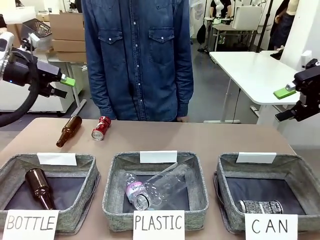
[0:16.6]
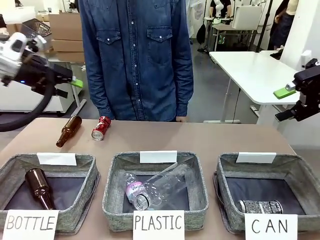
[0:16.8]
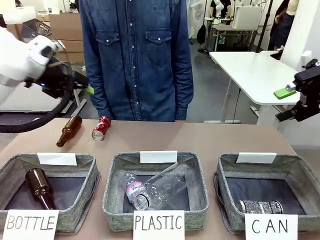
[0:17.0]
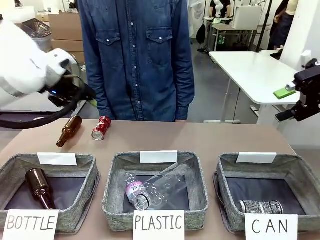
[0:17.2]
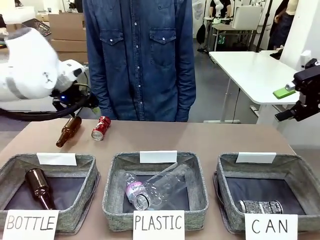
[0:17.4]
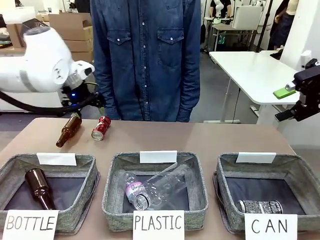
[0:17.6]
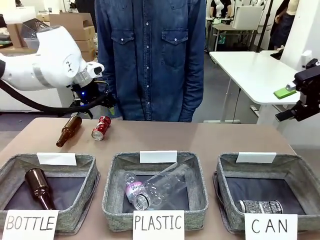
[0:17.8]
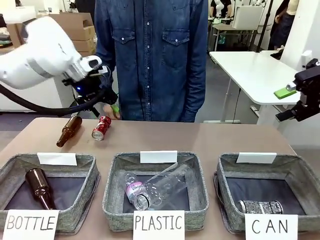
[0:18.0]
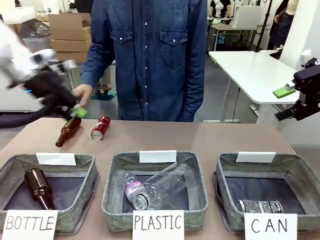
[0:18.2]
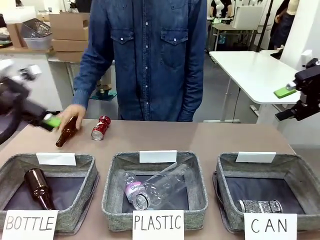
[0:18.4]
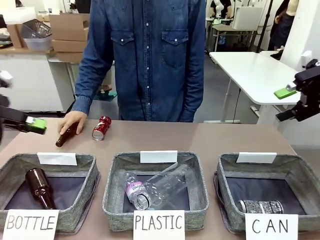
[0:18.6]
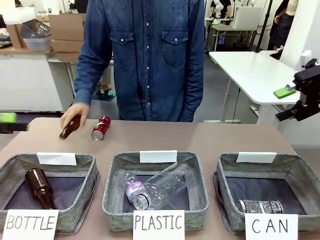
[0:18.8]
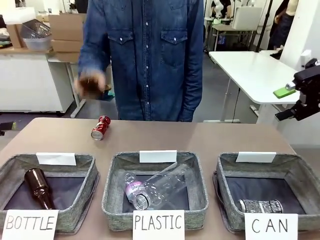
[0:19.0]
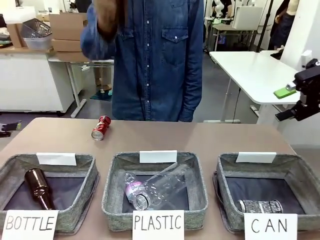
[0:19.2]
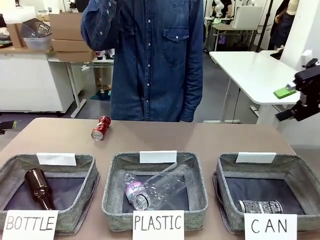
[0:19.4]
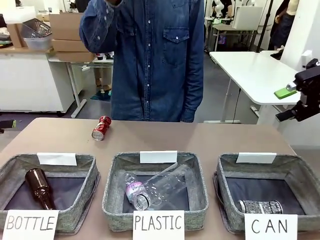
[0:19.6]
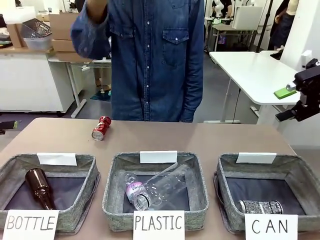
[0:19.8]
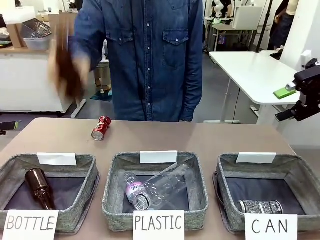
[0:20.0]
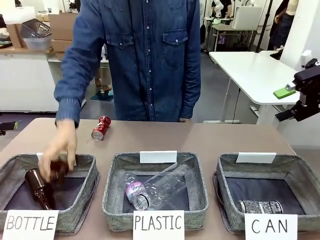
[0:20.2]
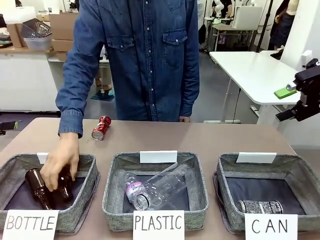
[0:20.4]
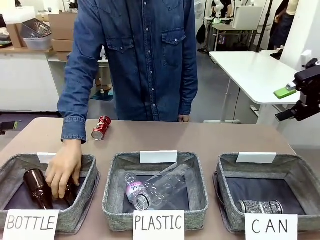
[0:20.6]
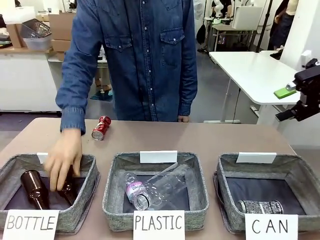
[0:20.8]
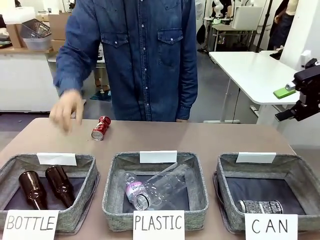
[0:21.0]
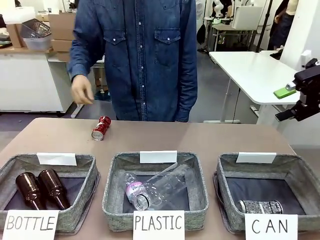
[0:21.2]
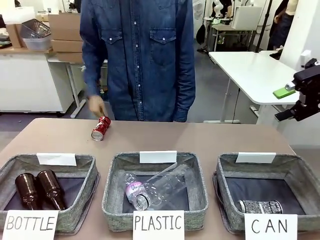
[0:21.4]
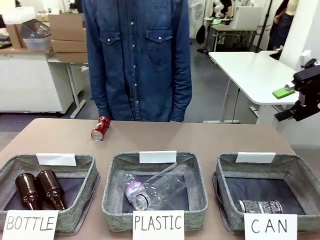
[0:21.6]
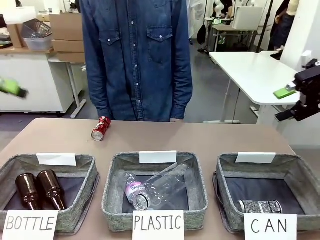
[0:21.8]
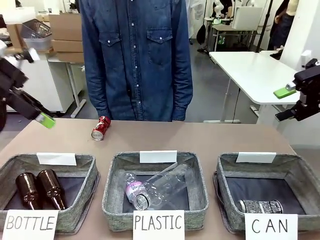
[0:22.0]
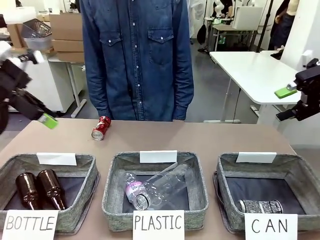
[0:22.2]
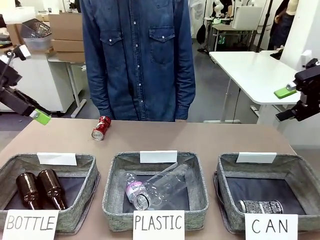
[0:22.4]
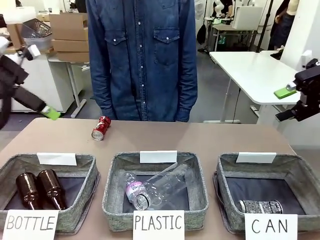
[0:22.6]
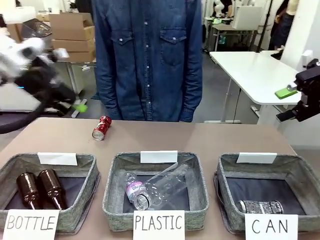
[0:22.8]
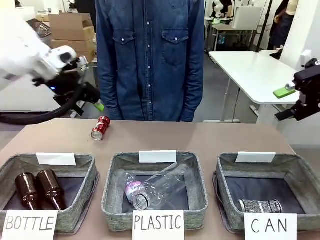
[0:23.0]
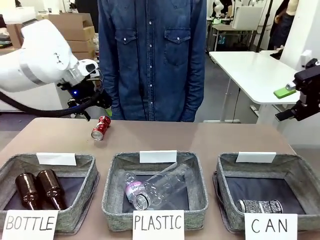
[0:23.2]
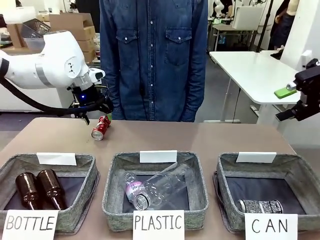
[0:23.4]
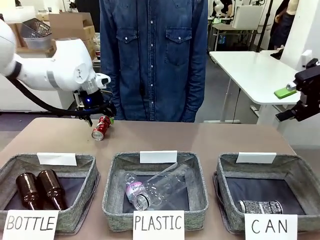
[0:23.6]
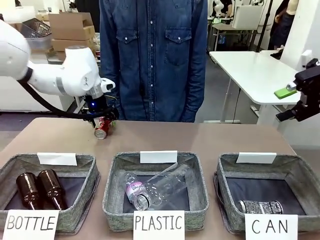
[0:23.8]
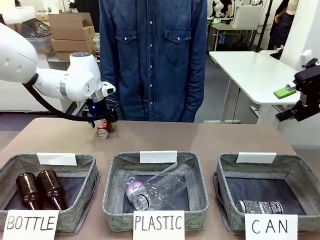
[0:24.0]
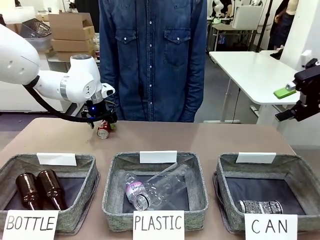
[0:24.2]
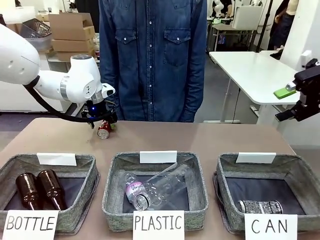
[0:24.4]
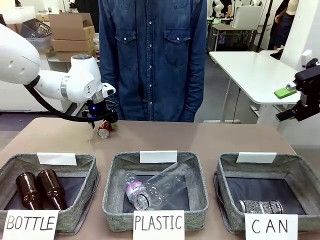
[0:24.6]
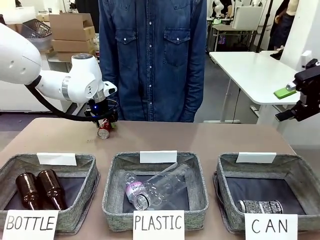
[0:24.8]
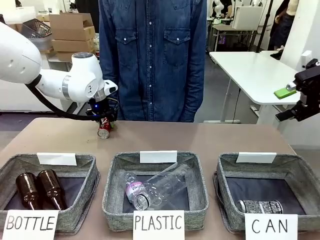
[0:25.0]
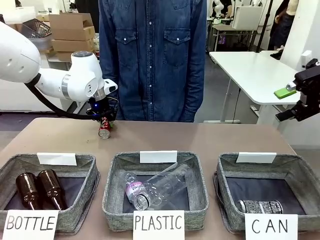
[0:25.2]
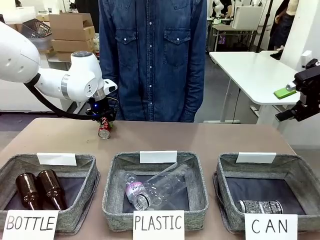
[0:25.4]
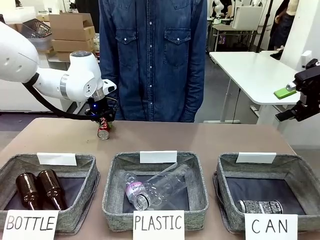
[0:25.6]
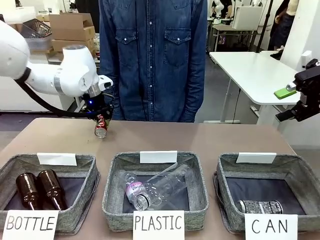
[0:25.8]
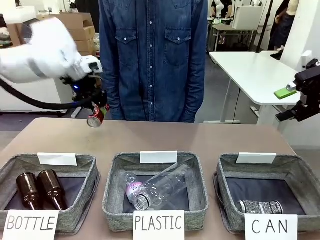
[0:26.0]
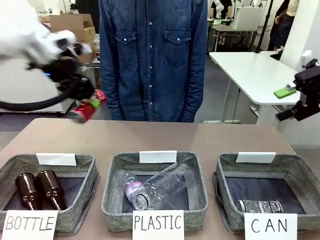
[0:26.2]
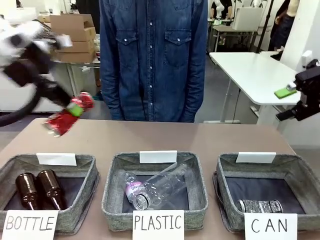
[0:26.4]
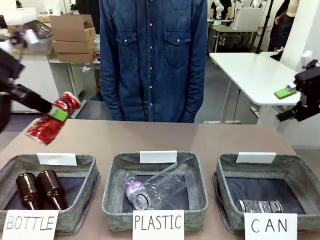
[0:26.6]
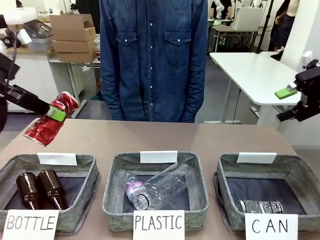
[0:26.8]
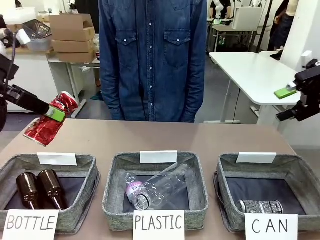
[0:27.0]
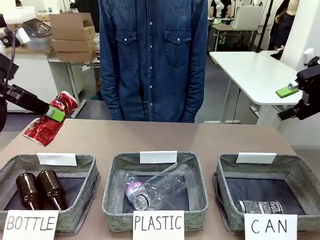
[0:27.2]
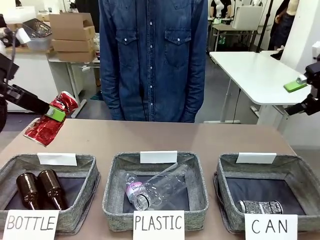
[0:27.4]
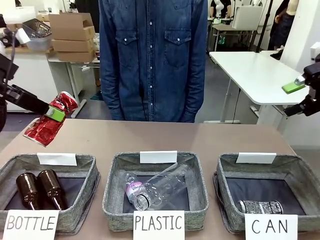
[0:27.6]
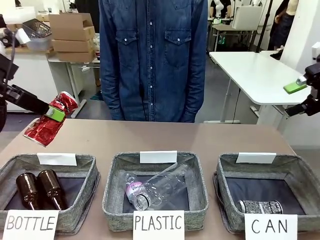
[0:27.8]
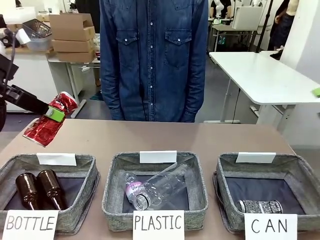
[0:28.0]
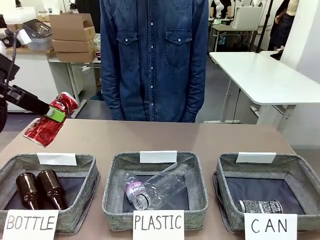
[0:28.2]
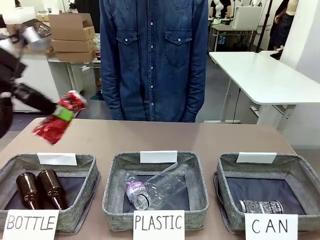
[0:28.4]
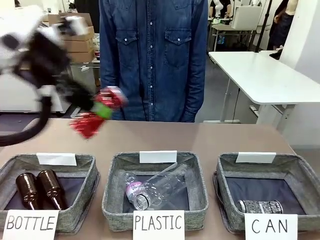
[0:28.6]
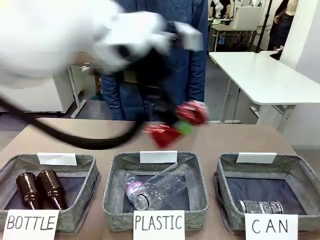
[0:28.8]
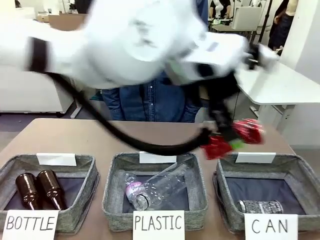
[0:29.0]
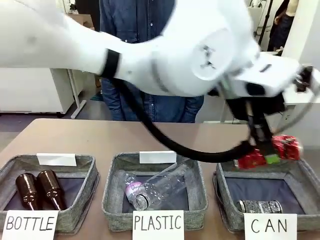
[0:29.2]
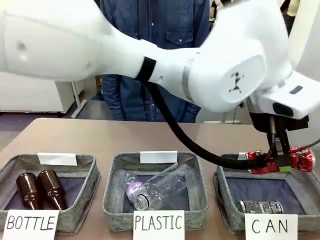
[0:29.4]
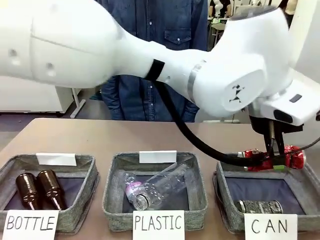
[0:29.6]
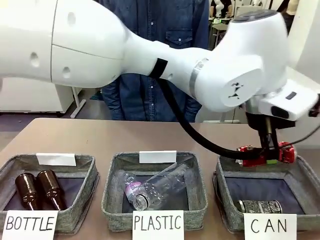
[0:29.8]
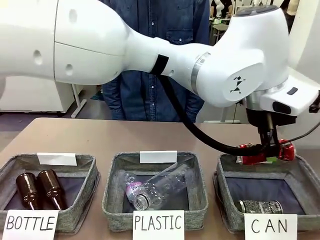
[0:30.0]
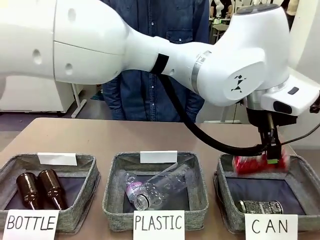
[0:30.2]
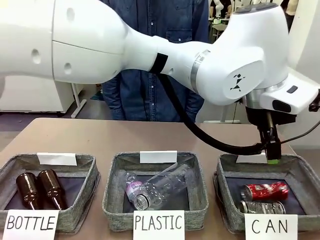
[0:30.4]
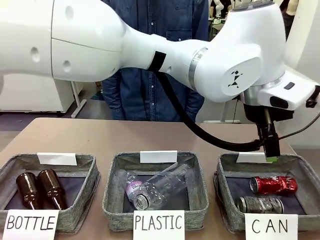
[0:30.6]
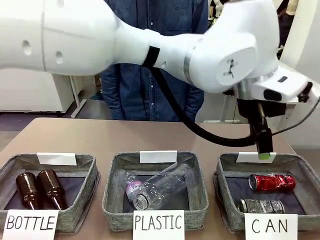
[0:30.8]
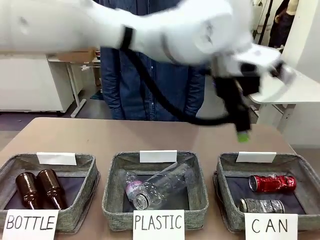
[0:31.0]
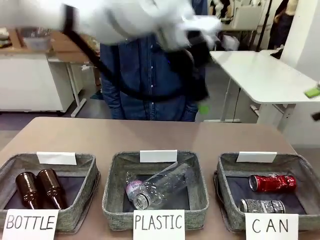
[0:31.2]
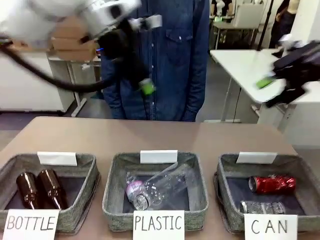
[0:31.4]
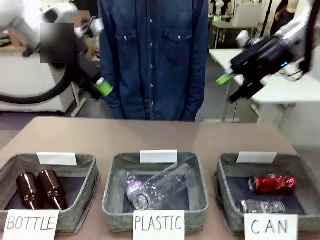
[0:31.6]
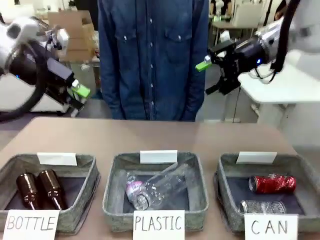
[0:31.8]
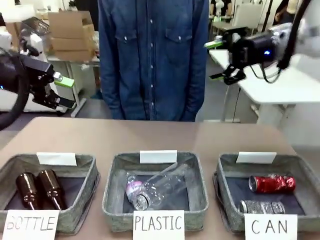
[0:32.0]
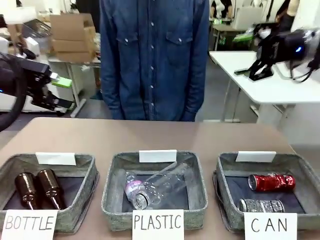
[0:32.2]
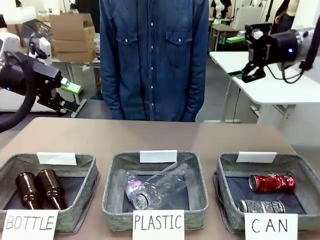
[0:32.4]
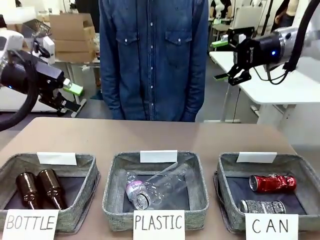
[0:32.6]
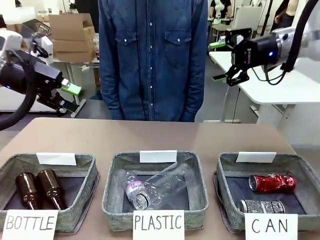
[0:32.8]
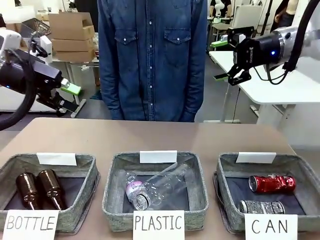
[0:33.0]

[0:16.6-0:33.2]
Task: Sort the can waste into the basket.
Robot: Pick up the can waste from the table and place it in the right Fabric basket.
